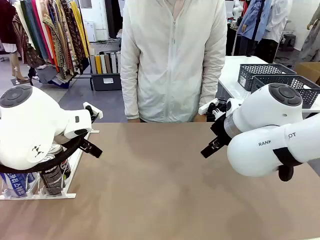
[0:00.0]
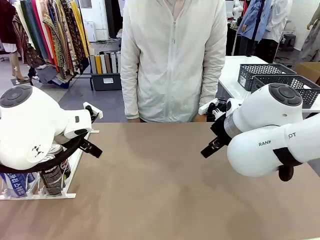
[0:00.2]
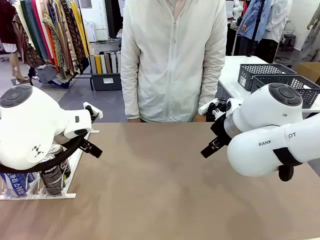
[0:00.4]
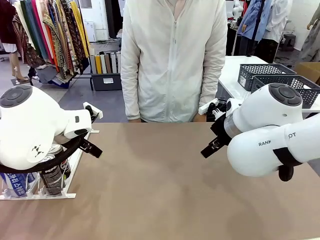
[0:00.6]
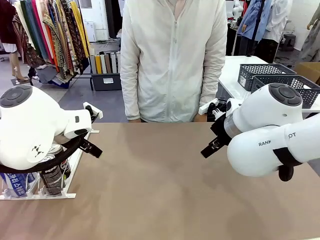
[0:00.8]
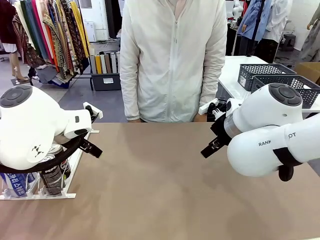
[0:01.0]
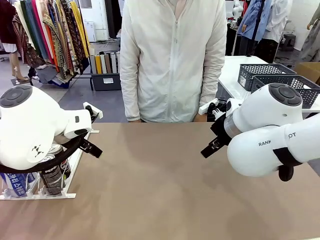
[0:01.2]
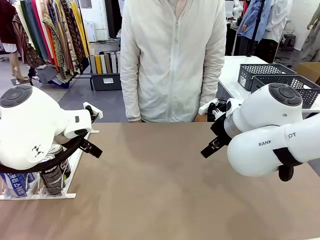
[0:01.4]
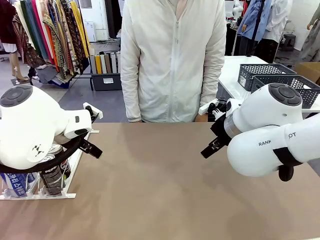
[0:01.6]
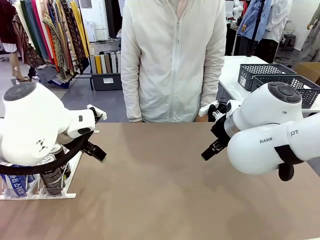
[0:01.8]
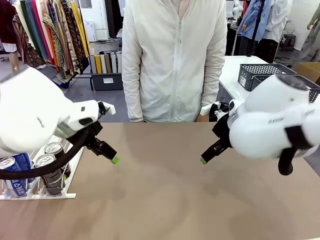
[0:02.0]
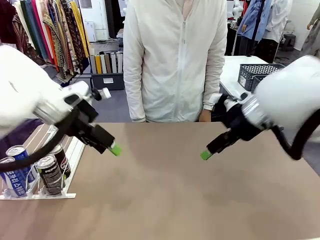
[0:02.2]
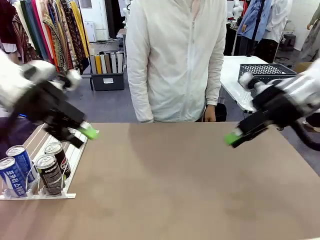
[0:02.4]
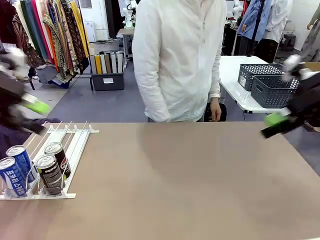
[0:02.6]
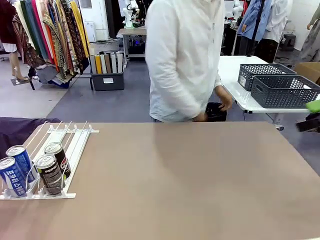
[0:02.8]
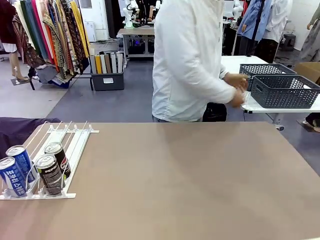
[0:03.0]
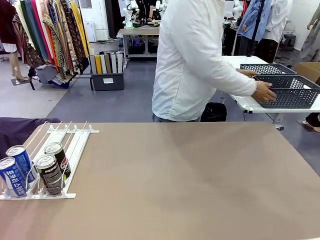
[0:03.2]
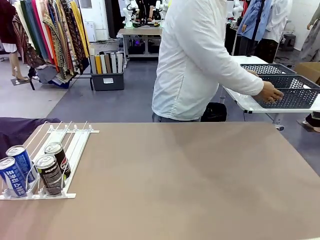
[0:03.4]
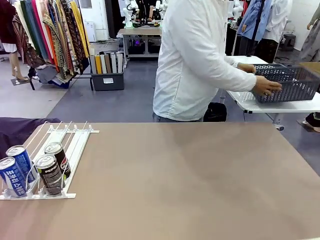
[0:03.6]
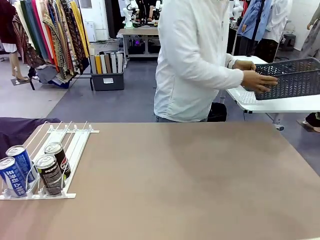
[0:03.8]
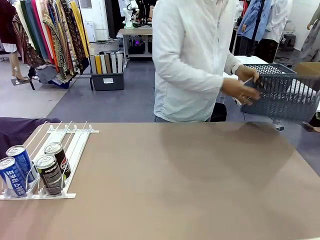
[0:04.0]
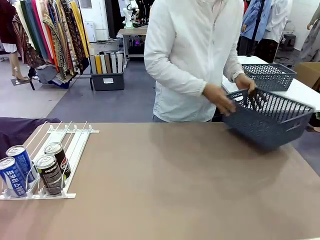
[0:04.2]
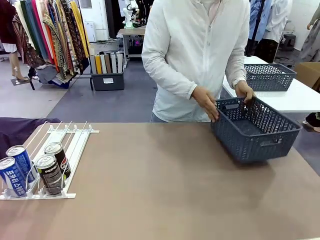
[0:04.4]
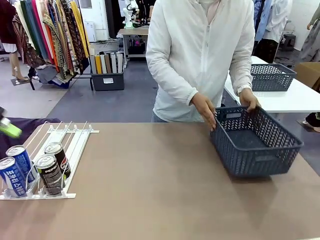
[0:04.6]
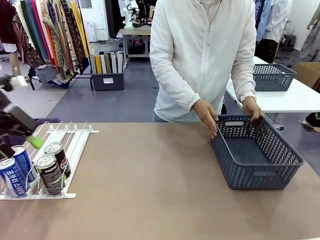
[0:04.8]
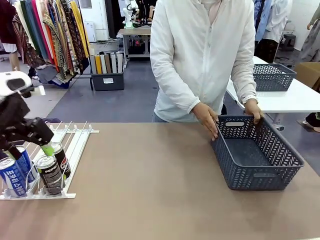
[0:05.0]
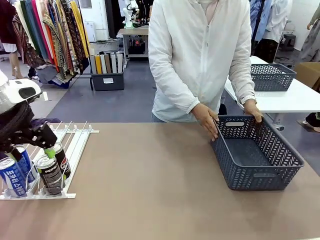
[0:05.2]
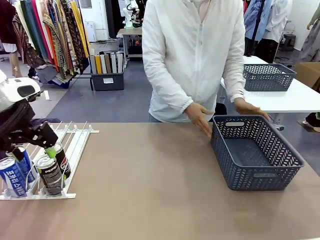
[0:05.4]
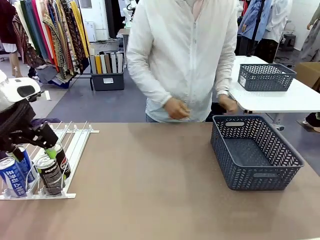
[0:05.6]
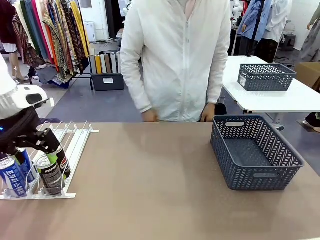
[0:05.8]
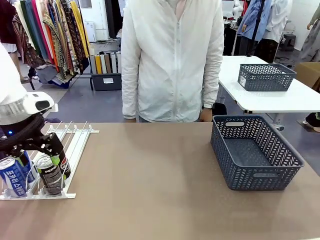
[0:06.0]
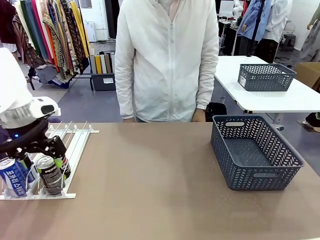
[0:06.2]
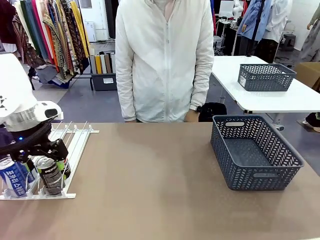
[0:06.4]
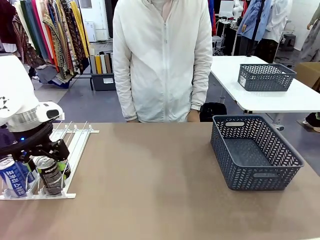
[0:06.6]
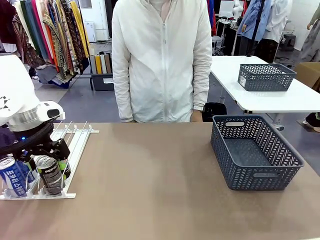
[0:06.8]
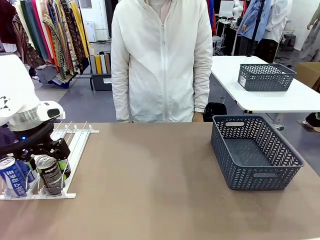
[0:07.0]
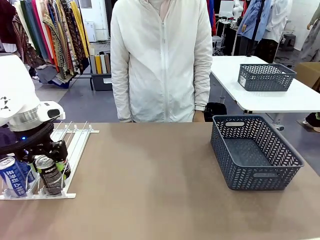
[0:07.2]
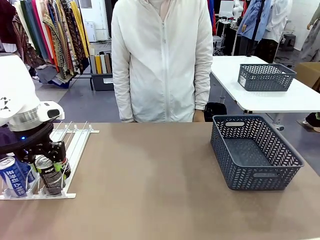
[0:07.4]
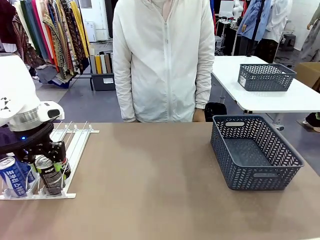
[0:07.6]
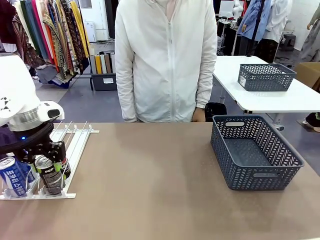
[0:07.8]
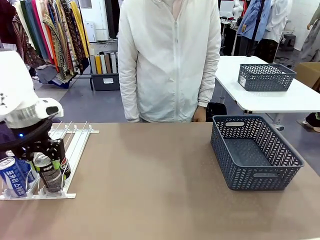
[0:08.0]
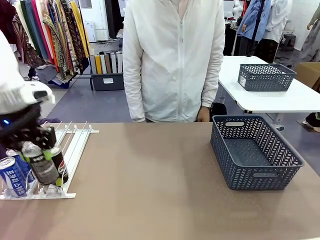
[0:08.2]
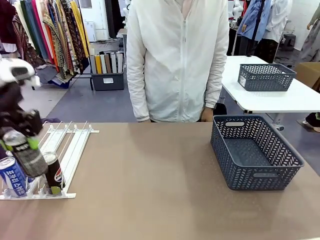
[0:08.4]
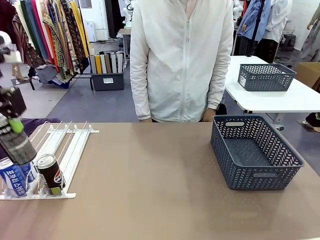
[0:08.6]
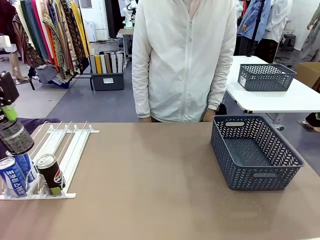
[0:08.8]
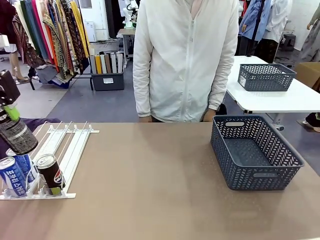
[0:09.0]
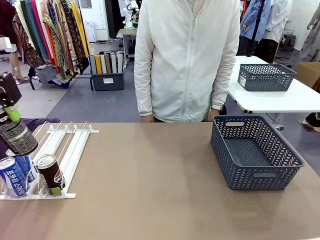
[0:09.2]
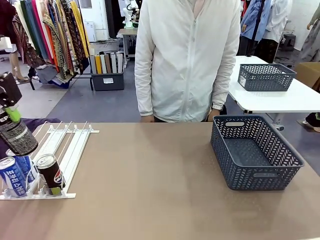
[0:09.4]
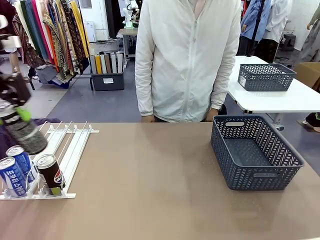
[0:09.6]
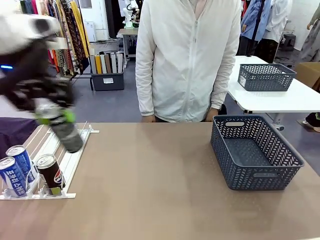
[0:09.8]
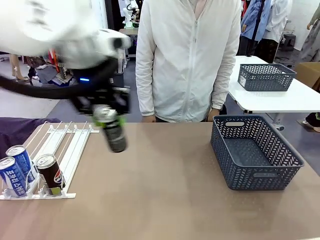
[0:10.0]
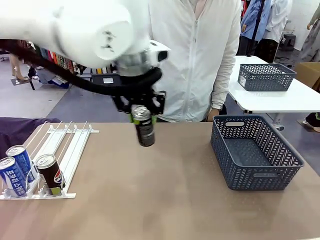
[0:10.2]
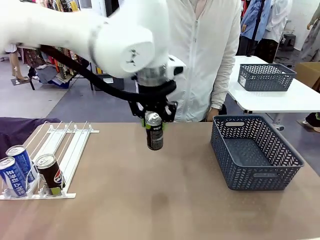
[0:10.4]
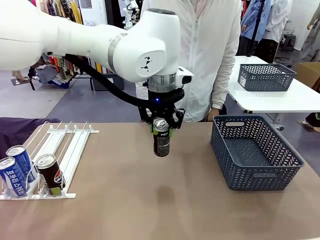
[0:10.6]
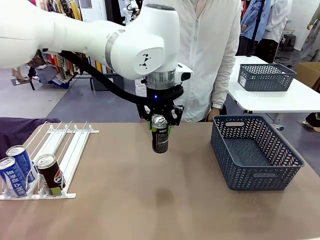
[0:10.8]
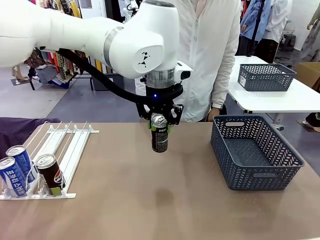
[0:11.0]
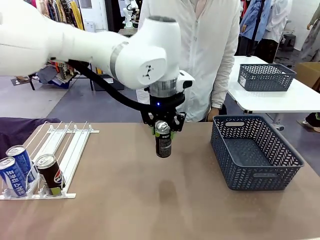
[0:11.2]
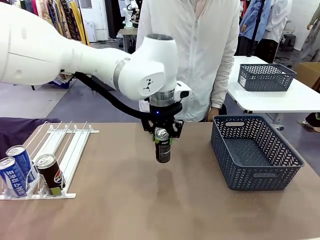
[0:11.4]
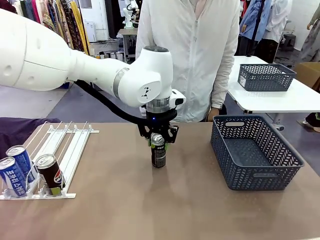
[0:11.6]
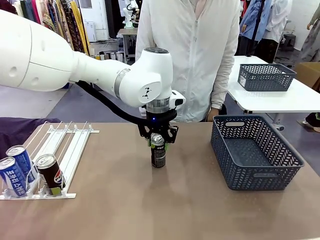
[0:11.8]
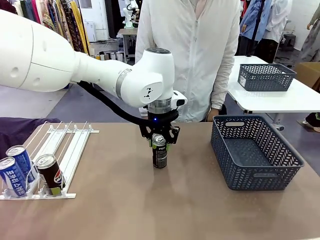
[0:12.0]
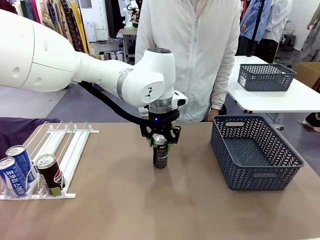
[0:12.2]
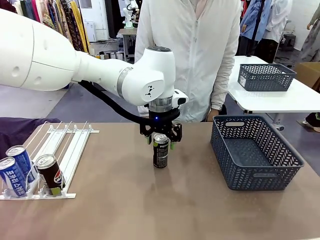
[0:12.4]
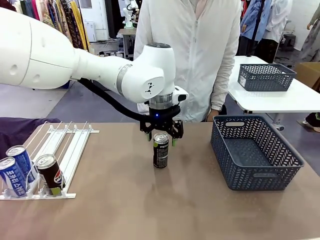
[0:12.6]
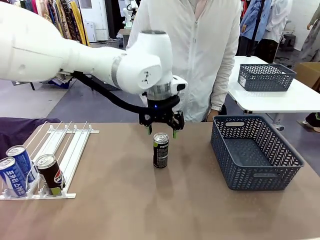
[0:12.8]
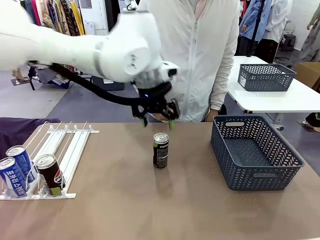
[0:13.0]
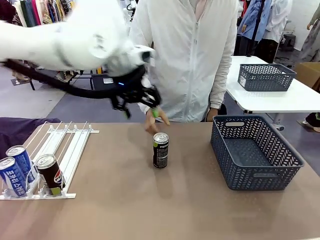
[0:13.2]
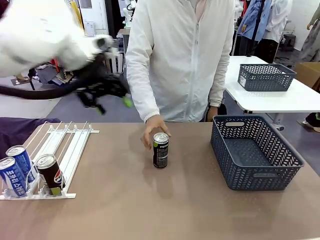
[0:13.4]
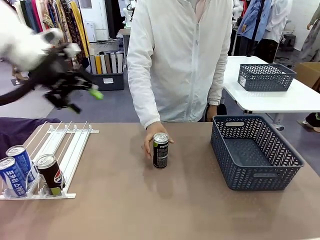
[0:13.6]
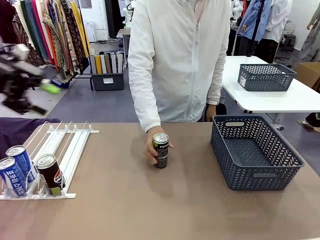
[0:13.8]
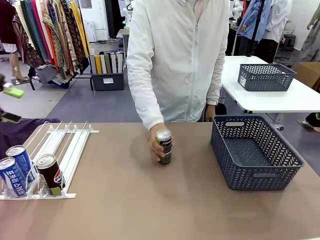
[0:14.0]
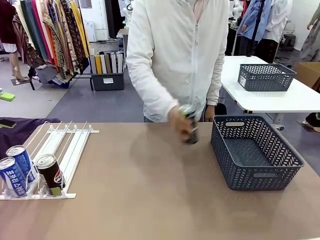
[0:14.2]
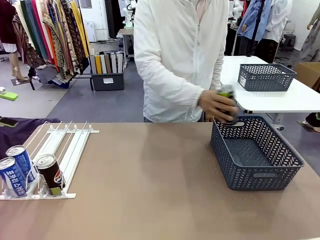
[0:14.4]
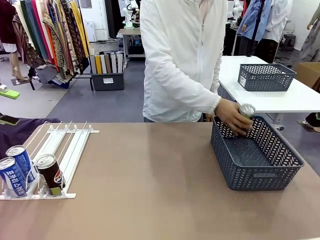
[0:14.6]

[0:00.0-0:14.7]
Task: Retrieve and store the cans from the dispenser.
Robot: Pick up one can from the Automatic Can Dispenser and place it in the middle of the table.
Person: Pick up the basket and place it on the left side of the robot table.

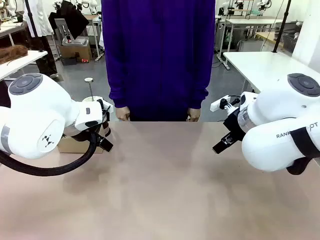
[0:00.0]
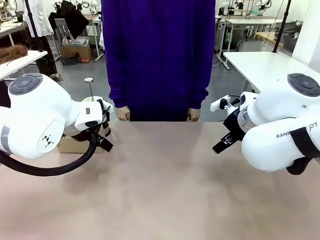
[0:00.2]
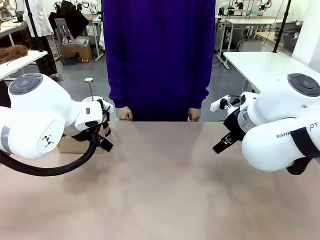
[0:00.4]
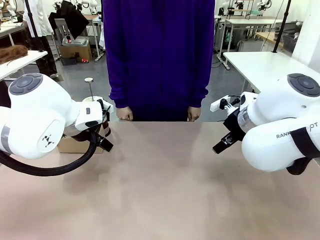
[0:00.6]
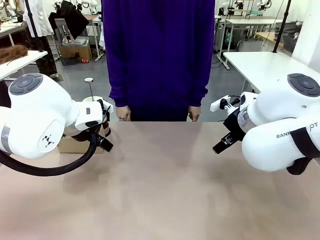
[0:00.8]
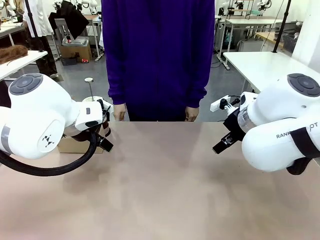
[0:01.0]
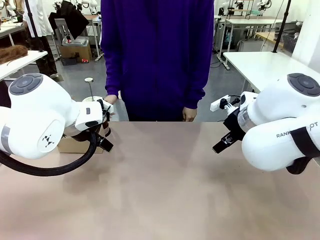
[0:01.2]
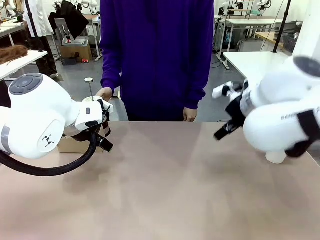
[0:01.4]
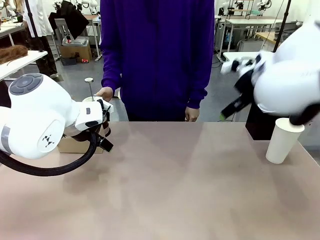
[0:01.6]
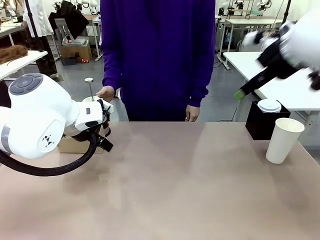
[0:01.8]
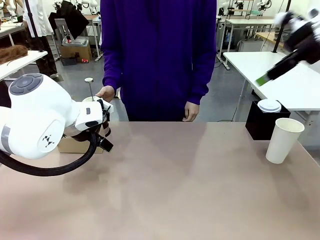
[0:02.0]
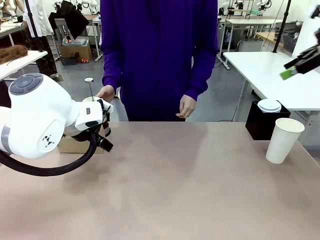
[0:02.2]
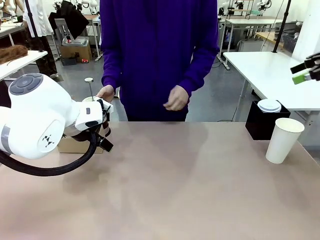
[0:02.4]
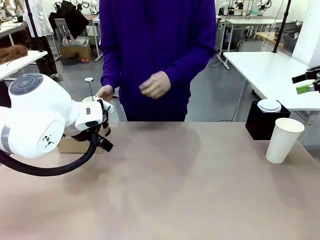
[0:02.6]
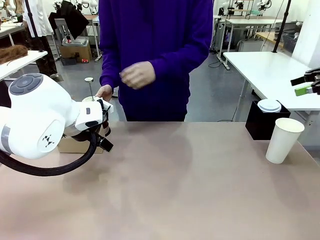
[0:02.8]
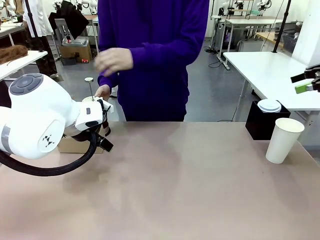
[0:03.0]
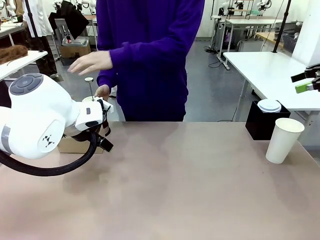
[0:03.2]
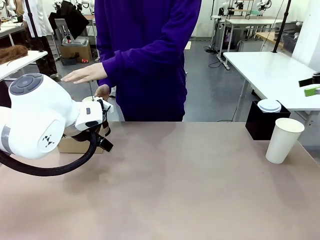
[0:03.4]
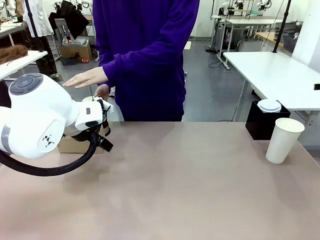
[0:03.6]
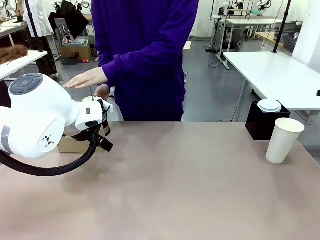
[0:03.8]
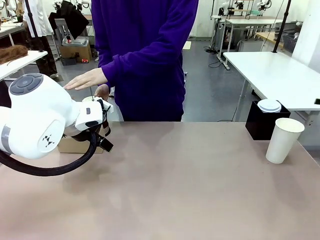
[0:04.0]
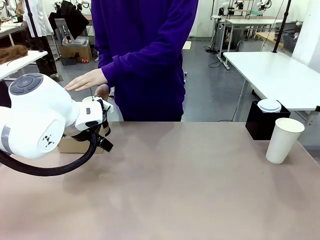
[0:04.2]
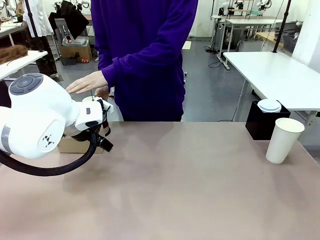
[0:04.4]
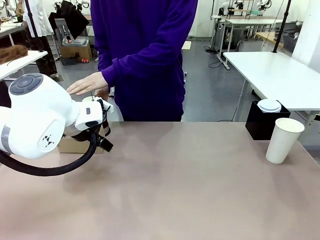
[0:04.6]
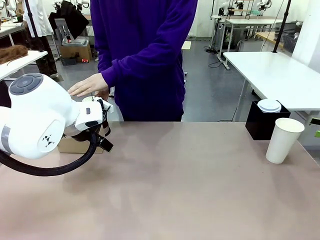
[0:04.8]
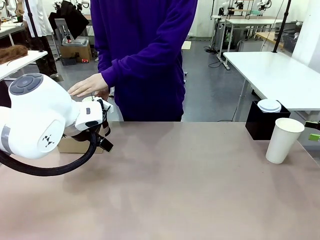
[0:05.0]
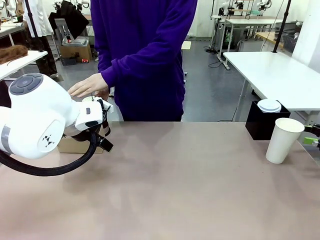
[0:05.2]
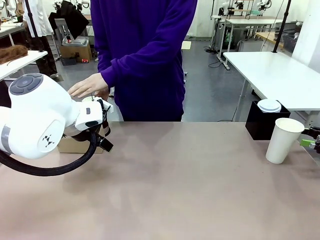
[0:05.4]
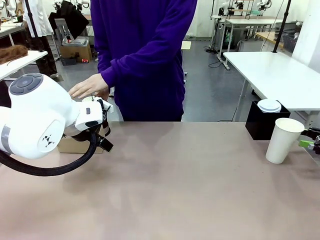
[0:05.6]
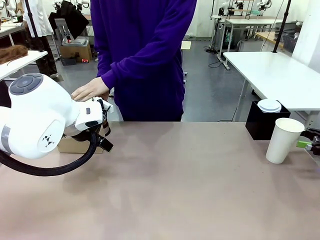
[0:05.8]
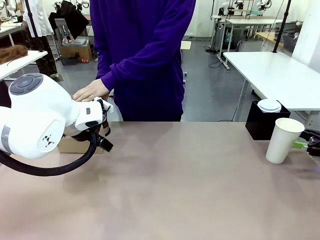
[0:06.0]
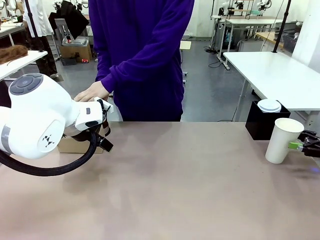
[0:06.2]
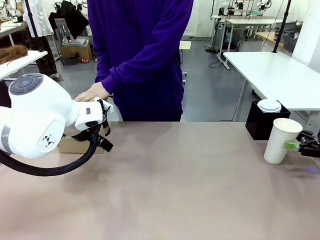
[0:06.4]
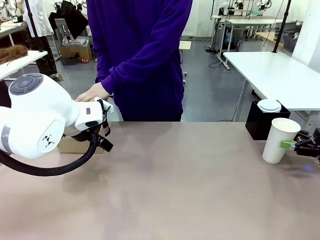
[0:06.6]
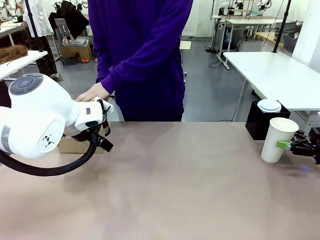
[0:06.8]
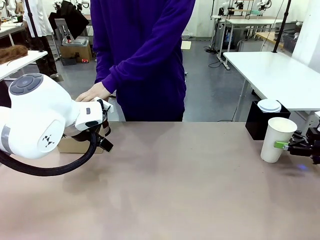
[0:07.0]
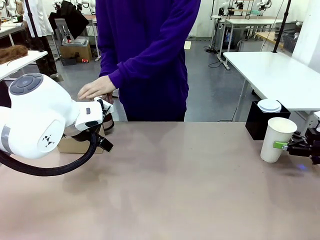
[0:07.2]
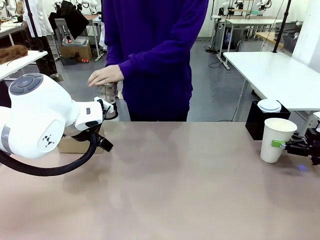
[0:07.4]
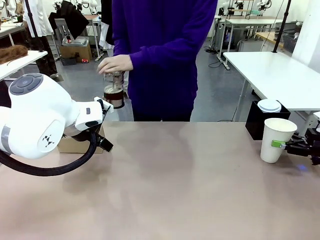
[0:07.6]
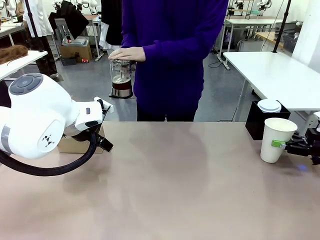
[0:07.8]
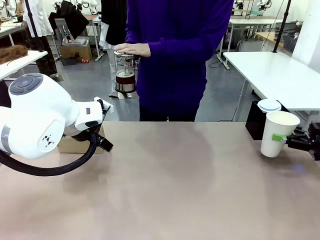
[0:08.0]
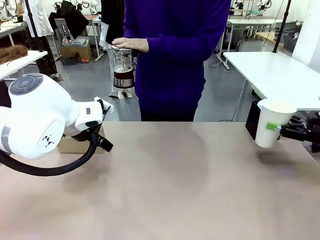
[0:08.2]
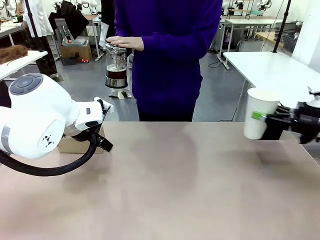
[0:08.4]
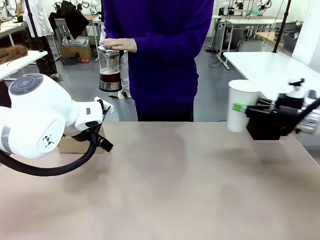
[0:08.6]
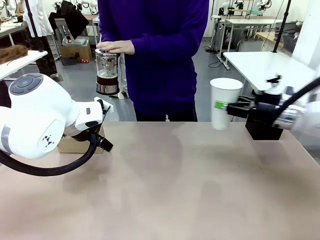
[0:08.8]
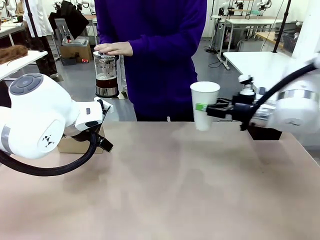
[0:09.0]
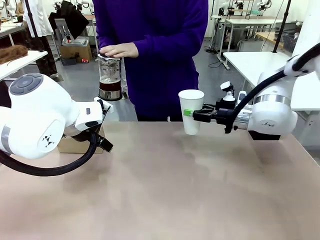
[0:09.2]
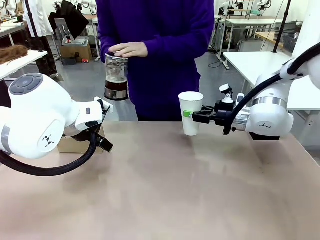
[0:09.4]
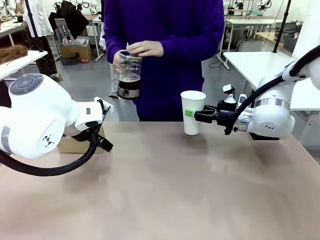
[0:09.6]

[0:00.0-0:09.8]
Task: Pour a drink into a cup and package it in a carrier.
Robot: Pick up the 600 ml Paper Cup and place it in the middle top area of the table.
Person: Press and pick up the Filter Brewing.
